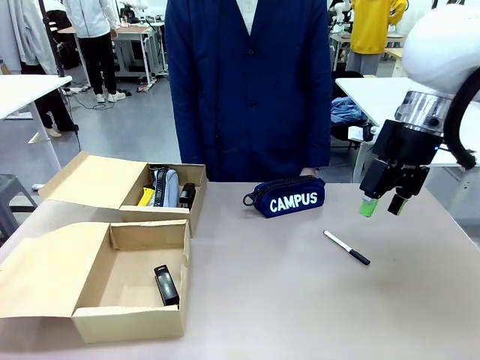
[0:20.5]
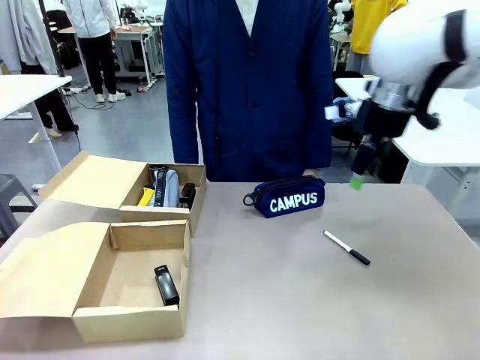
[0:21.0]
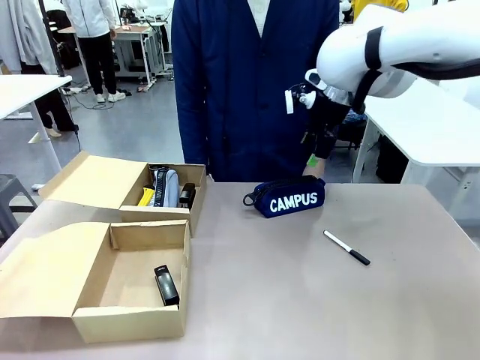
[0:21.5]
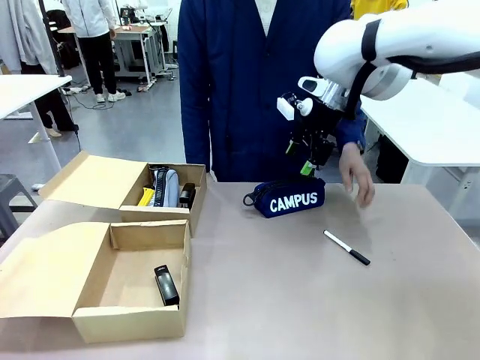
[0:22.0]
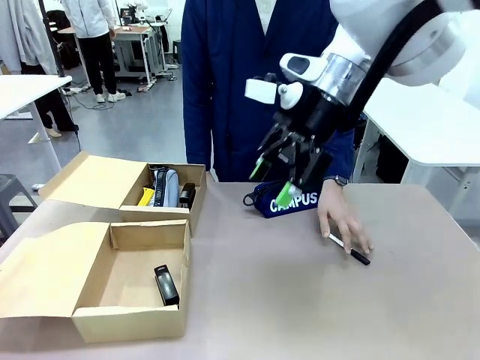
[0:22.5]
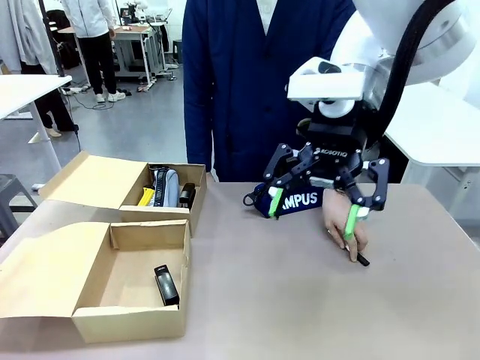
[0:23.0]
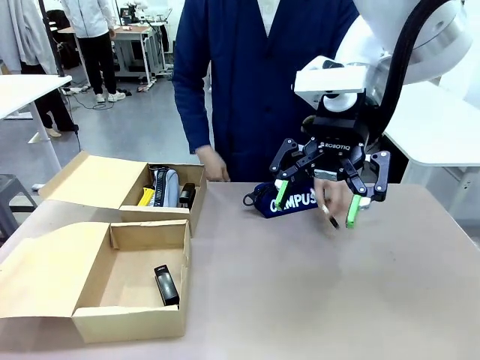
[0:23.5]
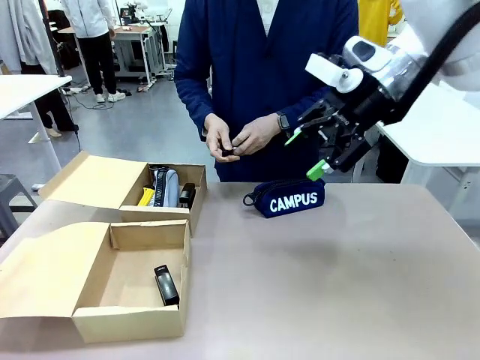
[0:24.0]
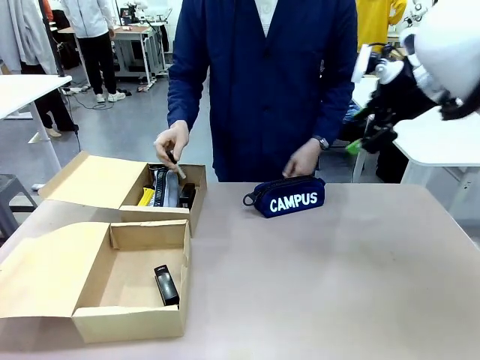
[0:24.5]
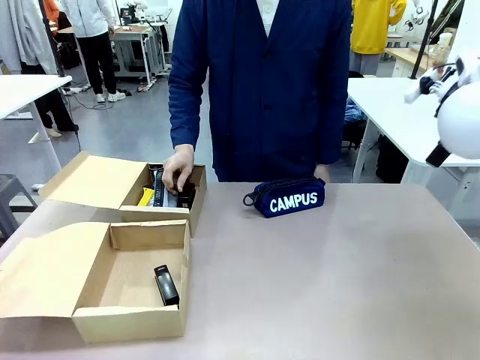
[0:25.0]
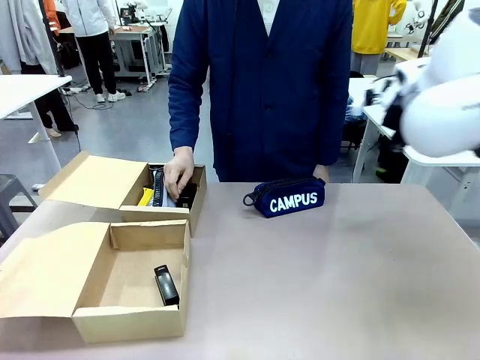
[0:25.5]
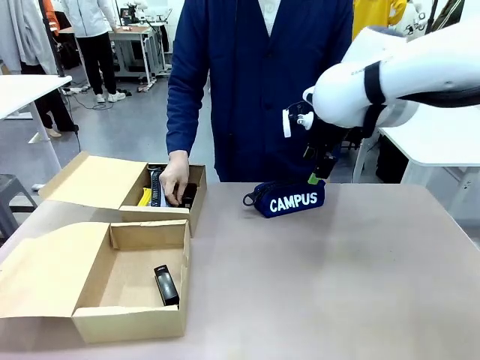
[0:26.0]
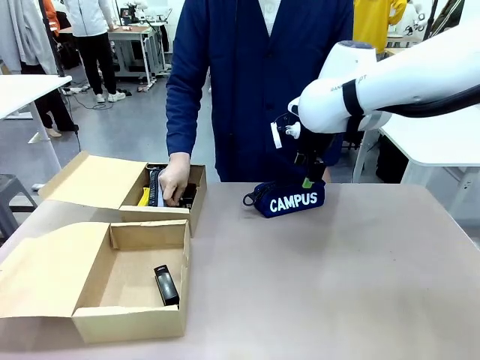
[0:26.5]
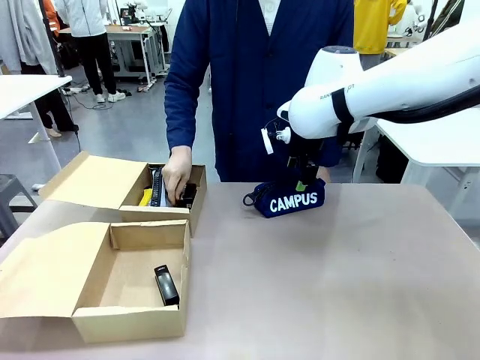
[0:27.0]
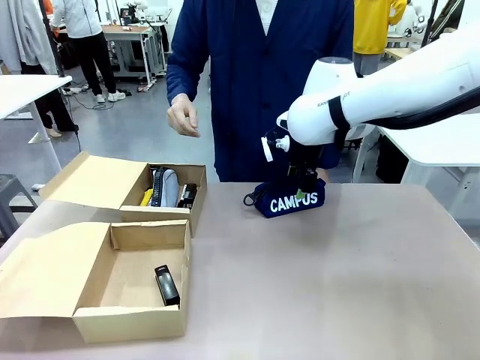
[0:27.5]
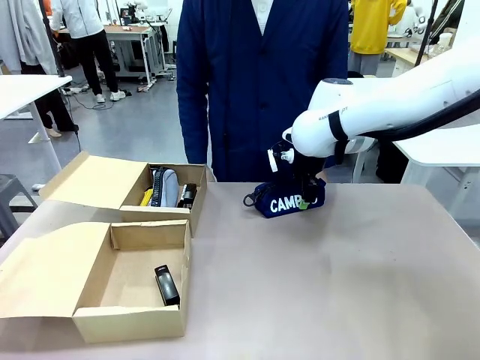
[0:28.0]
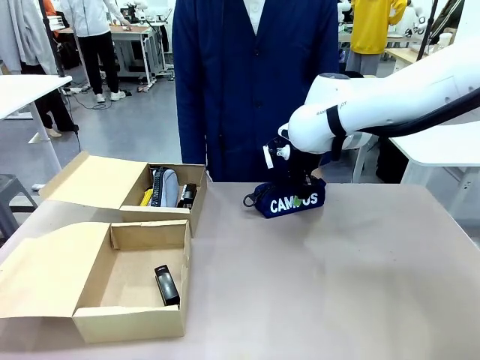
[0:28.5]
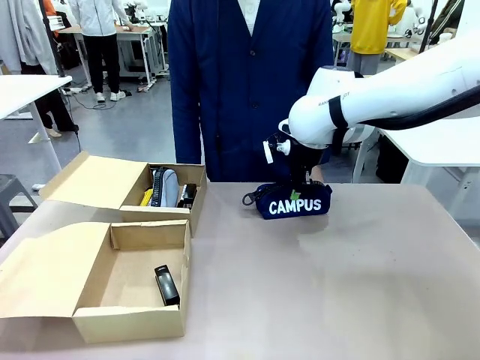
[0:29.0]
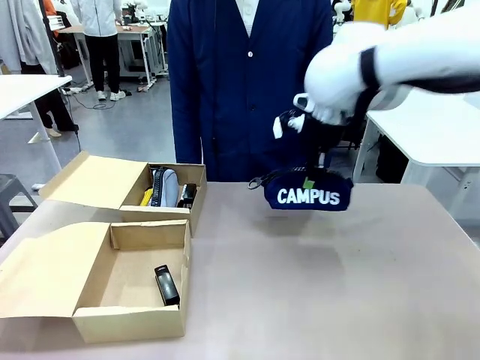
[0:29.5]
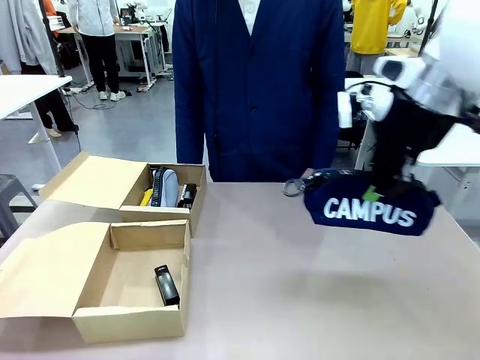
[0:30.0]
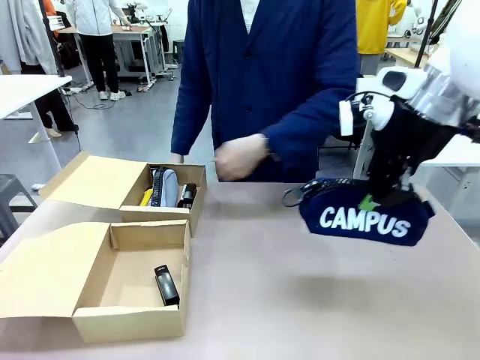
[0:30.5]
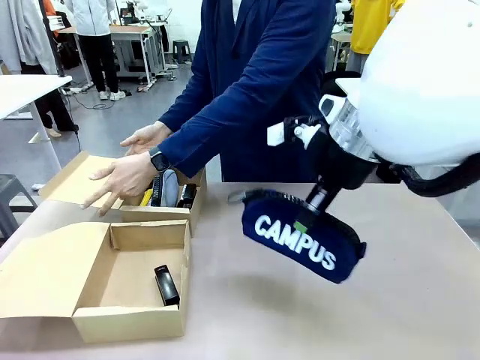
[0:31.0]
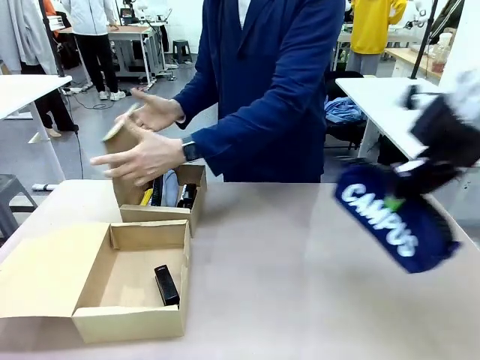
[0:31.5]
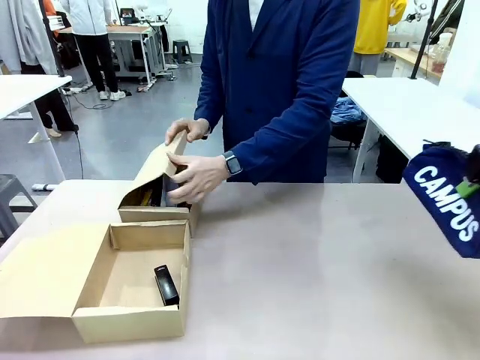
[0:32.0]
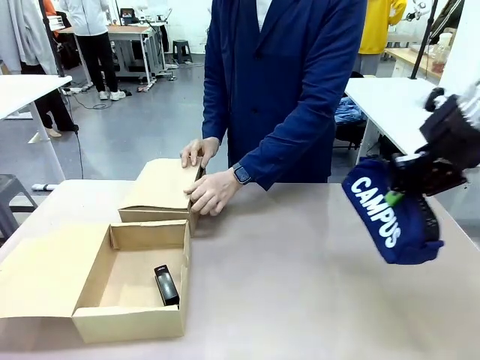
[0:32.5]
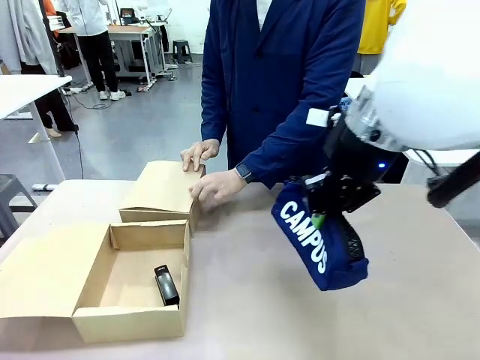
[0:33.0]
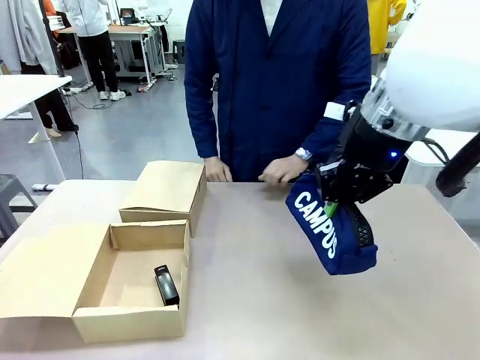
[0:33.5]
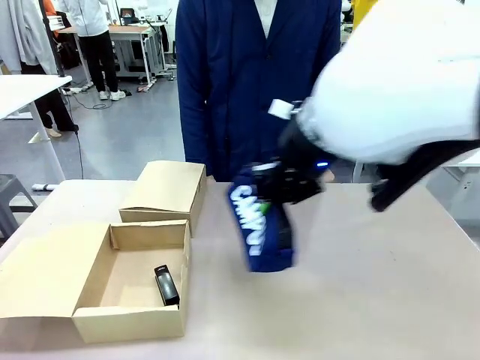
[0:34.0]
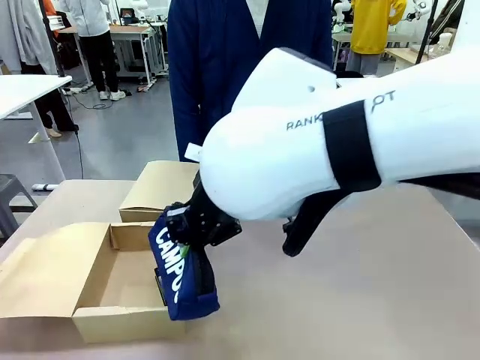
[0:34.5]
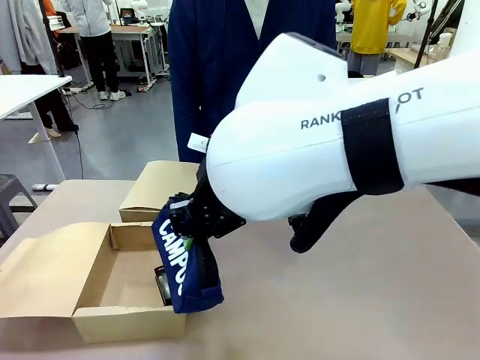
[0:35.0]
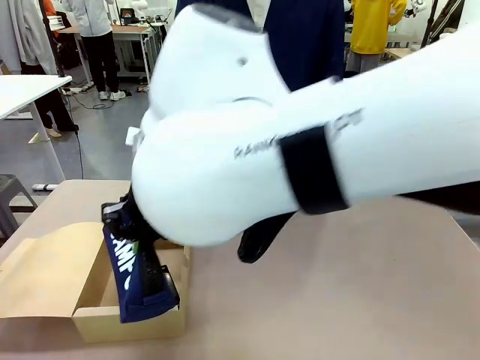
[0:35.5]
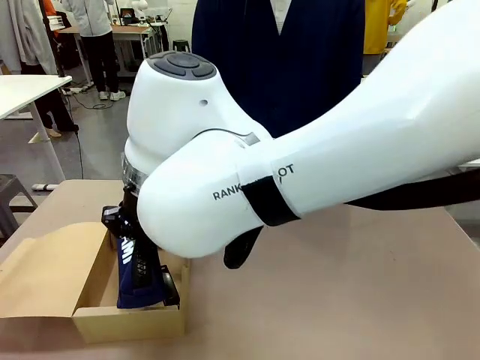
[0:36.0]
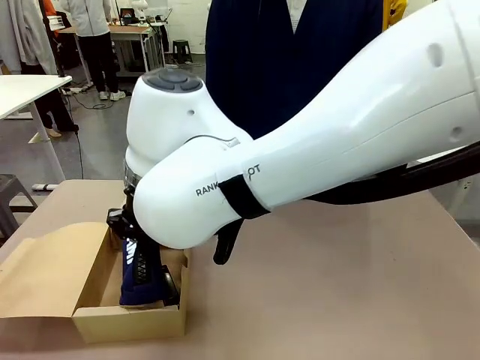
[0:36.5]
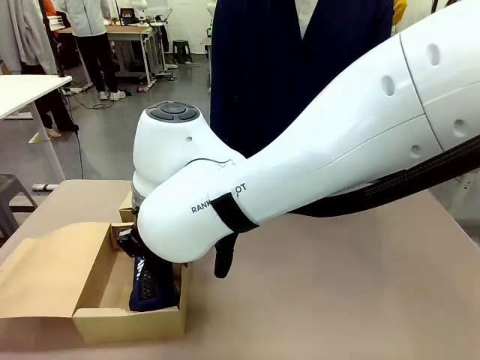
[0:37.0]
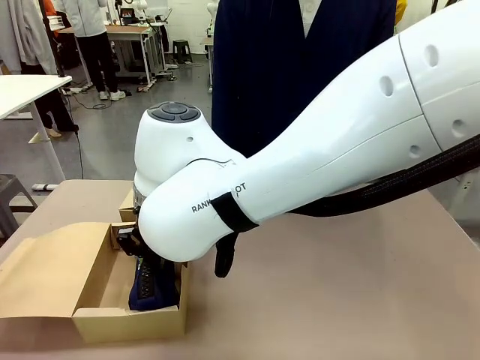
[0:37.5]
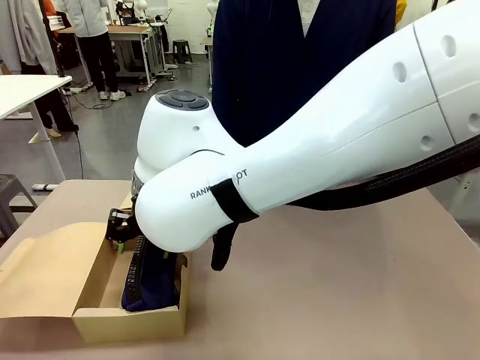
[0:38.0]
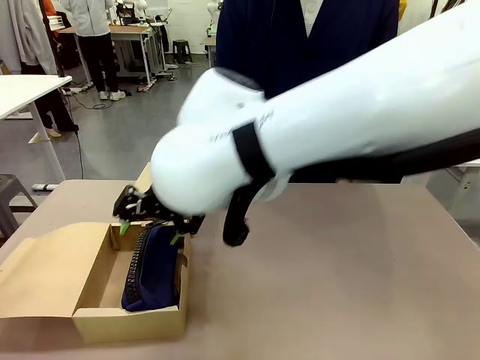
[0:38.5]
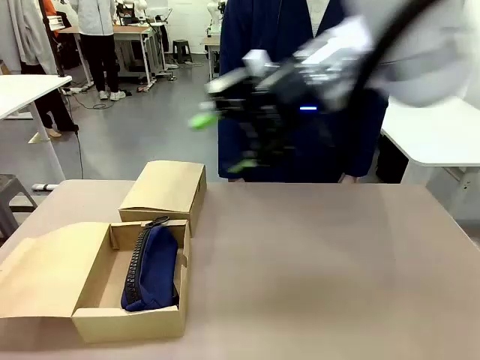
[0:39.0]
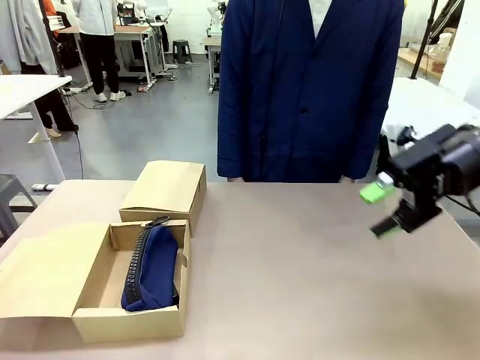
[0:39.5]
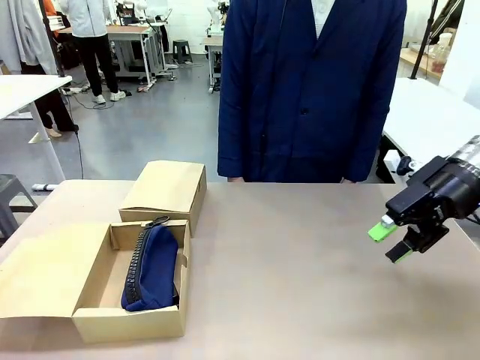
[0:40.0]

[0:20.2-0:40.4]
Task: Place items inside the box.
Robot: Pick up a Pencil pouch or Stapler and place it inside the Mailer Box closest to the robot.
Person: Close the lid of the box facing the person.

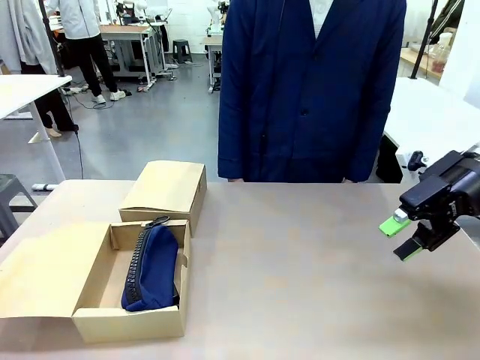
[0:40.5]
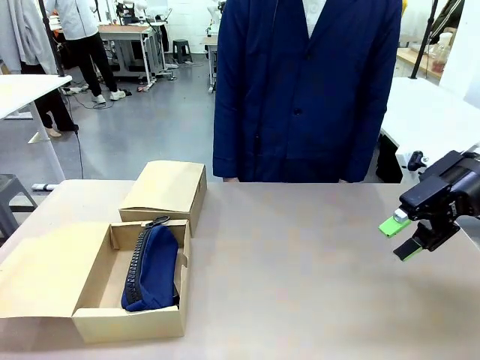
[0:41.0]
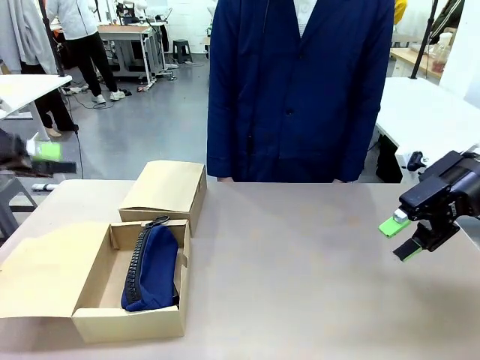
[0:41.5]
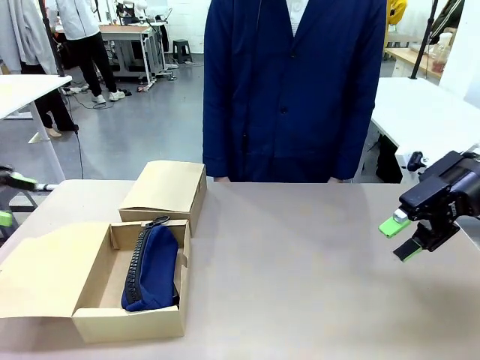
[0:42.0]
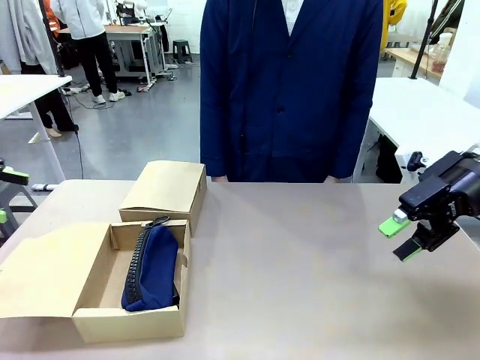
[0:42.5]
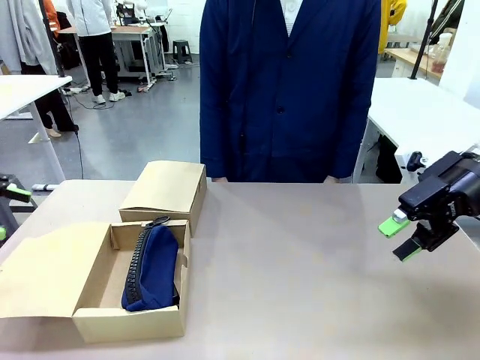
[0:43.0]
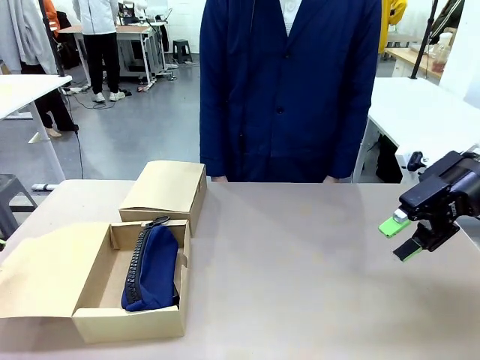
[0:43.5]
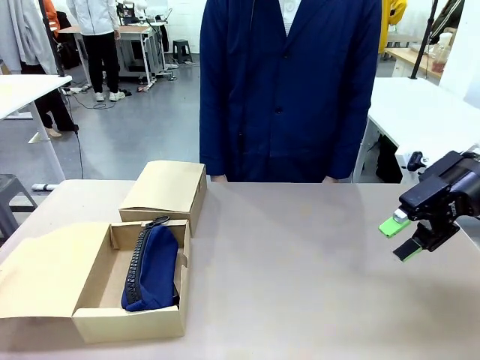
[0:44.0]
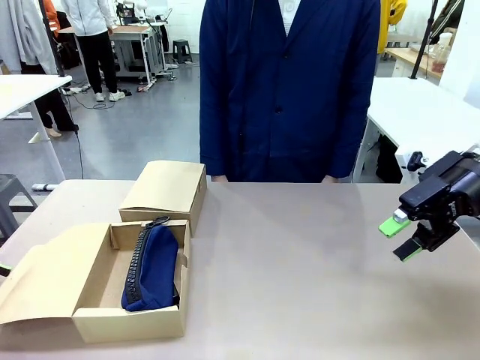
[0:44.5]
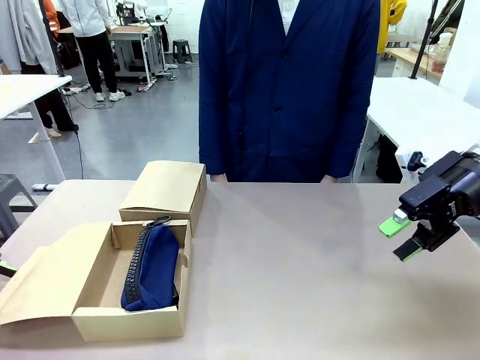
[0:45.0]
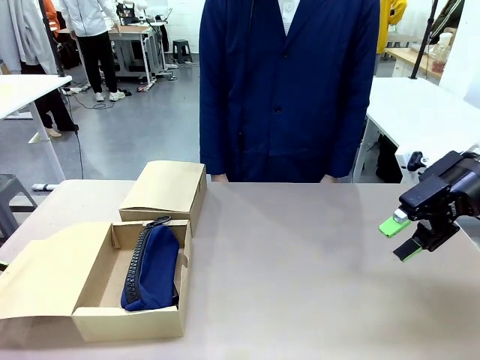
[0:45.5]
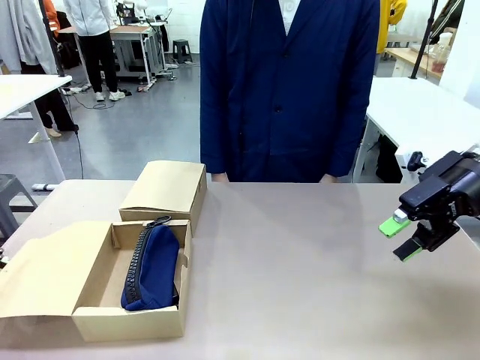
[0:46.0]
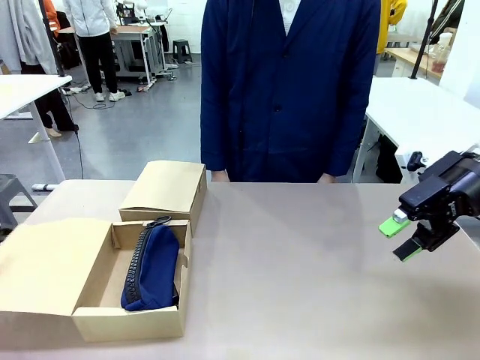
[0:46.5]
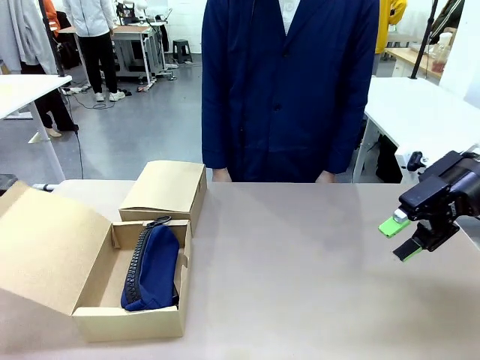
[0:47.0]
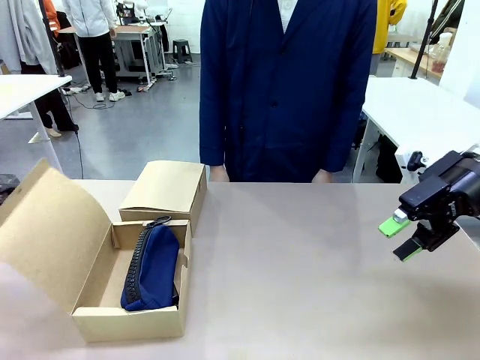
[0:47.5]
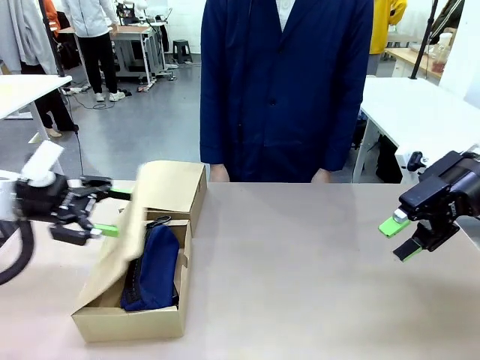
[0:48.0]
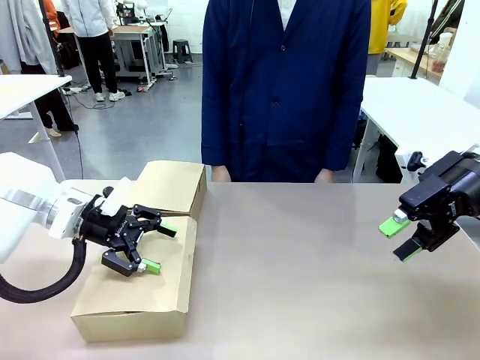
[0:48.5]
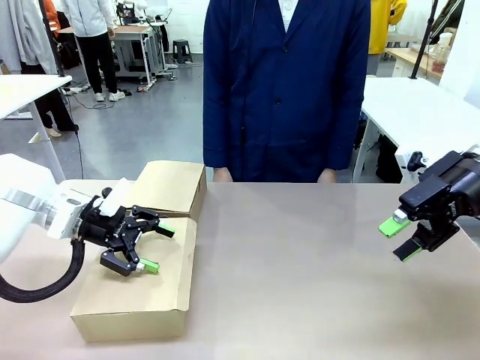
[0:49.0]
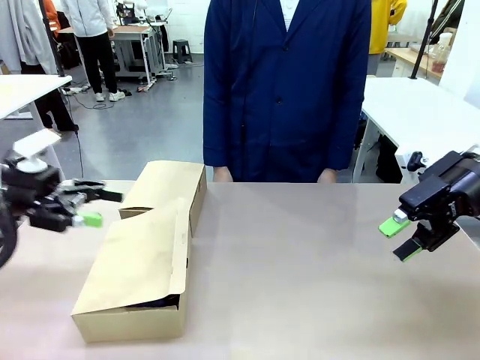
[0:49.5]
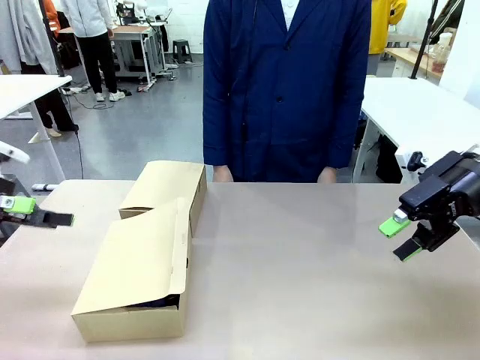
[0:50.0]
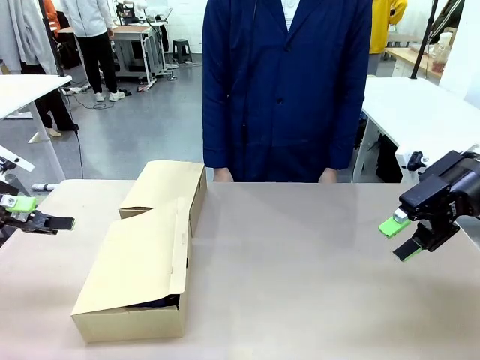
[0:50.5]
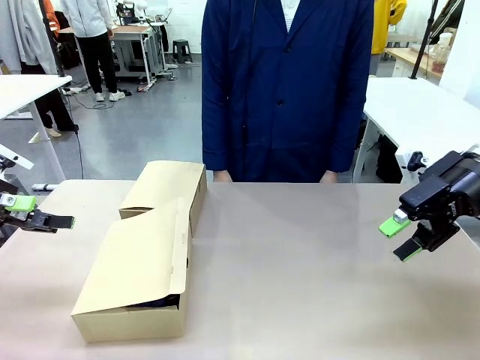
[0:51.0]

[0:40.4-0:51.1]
Robot: Close the lid of the Mailer Box closest to the robot.
